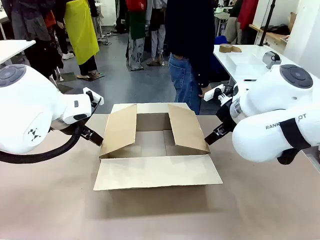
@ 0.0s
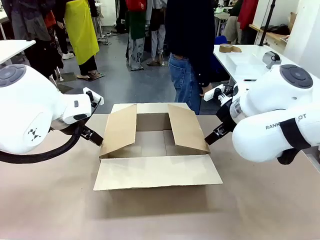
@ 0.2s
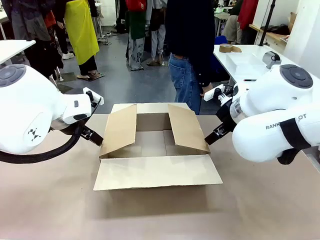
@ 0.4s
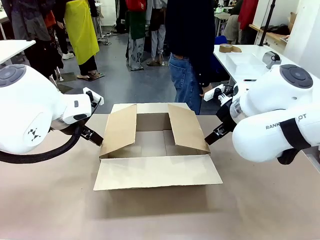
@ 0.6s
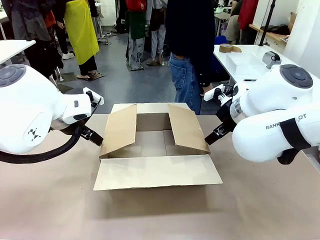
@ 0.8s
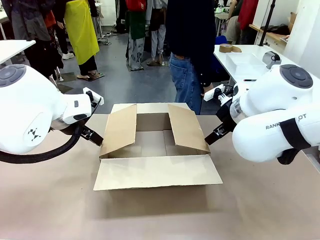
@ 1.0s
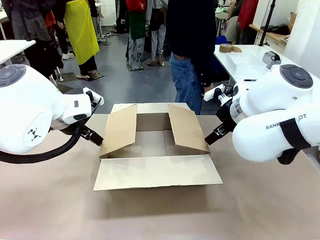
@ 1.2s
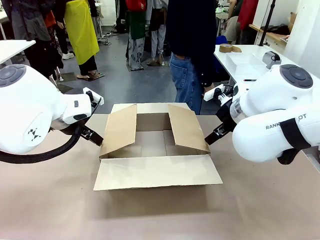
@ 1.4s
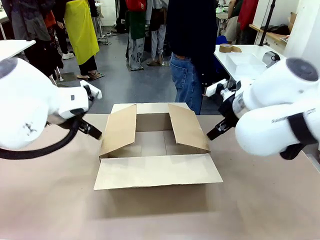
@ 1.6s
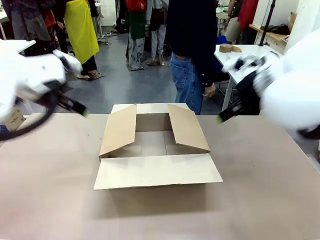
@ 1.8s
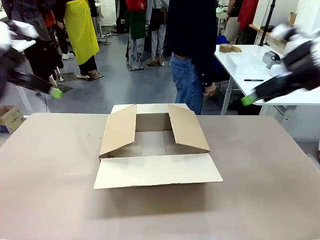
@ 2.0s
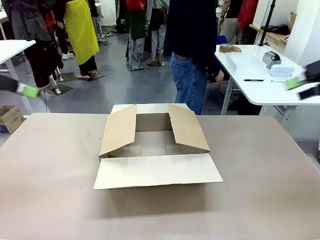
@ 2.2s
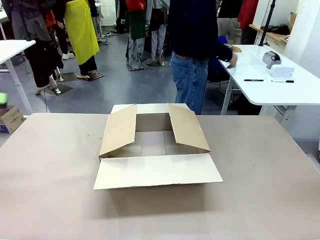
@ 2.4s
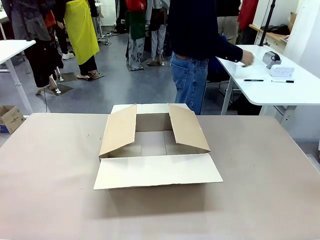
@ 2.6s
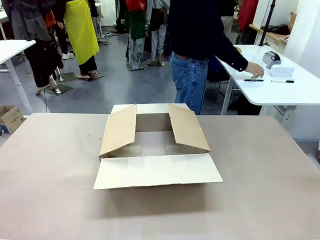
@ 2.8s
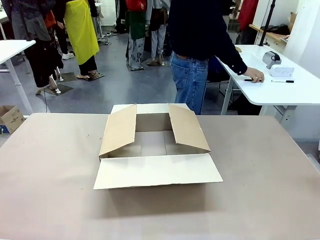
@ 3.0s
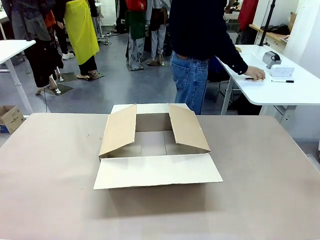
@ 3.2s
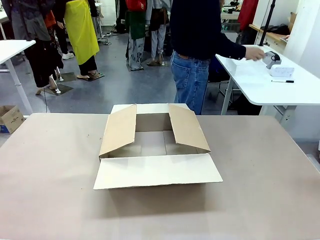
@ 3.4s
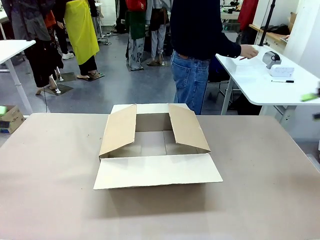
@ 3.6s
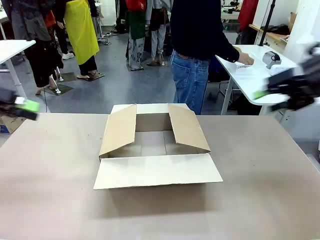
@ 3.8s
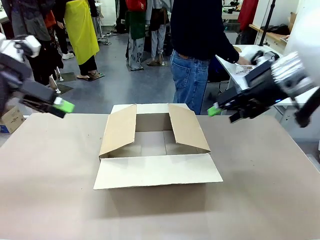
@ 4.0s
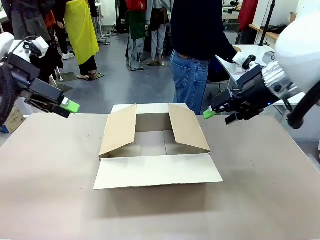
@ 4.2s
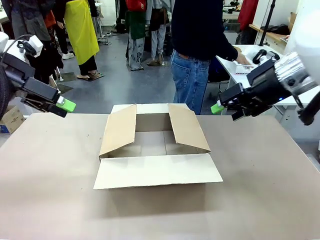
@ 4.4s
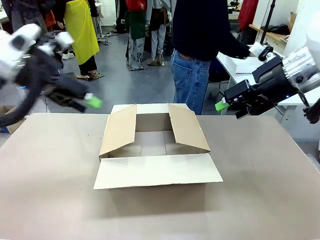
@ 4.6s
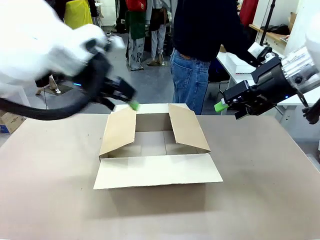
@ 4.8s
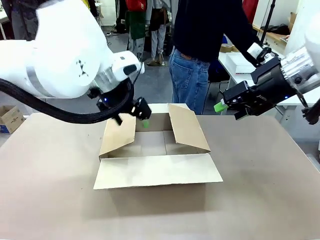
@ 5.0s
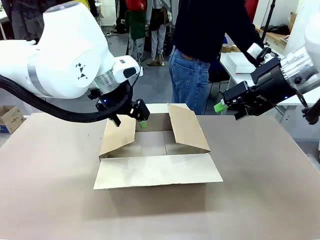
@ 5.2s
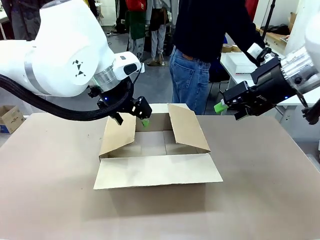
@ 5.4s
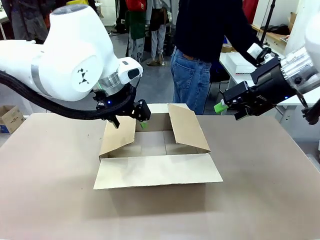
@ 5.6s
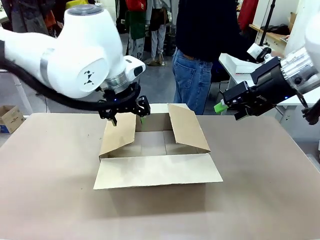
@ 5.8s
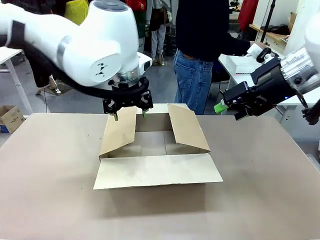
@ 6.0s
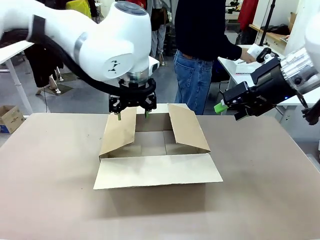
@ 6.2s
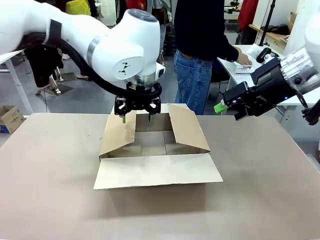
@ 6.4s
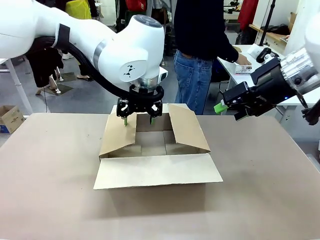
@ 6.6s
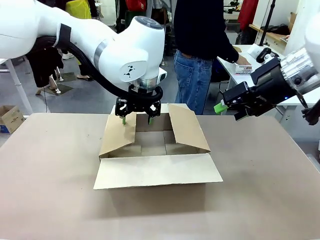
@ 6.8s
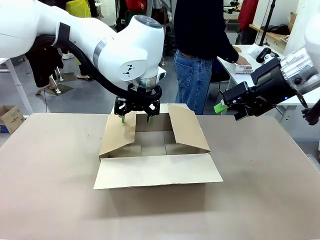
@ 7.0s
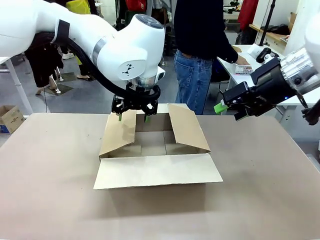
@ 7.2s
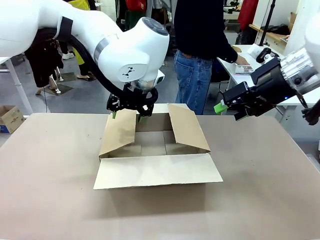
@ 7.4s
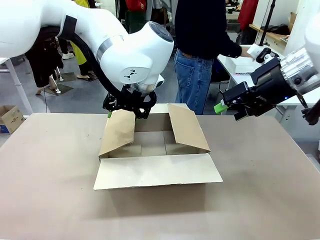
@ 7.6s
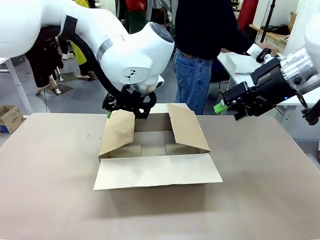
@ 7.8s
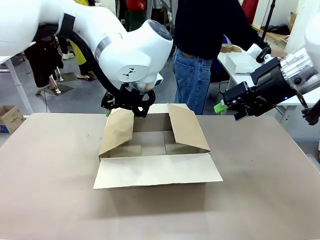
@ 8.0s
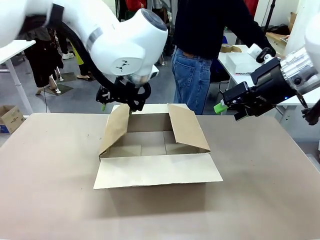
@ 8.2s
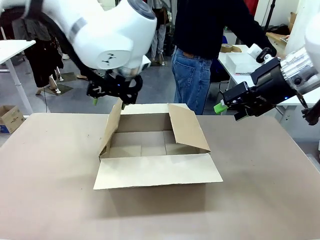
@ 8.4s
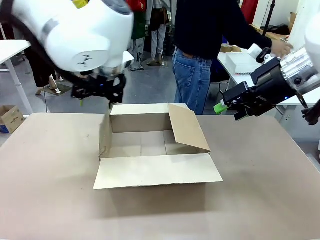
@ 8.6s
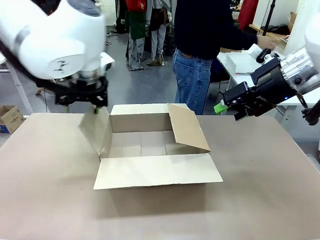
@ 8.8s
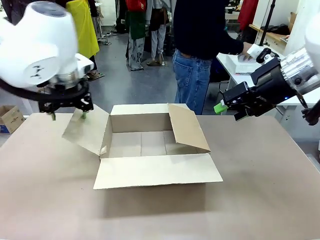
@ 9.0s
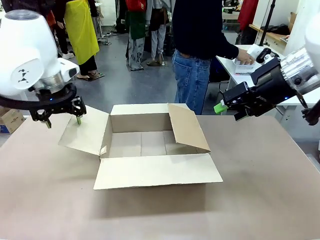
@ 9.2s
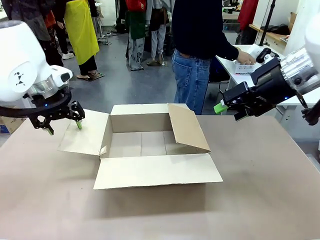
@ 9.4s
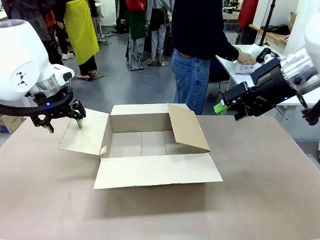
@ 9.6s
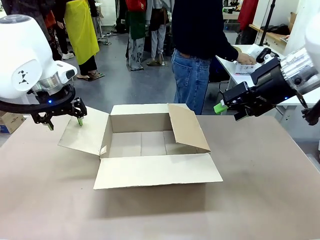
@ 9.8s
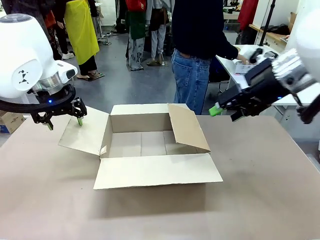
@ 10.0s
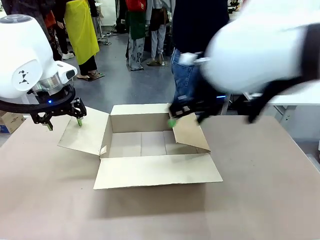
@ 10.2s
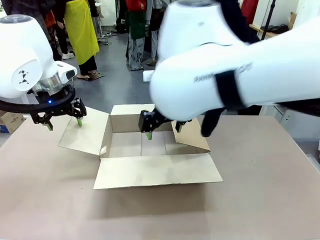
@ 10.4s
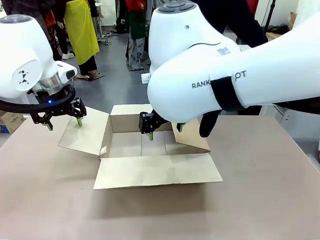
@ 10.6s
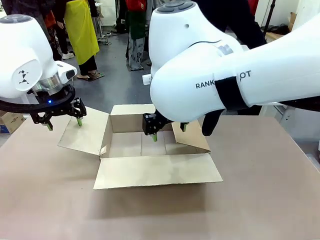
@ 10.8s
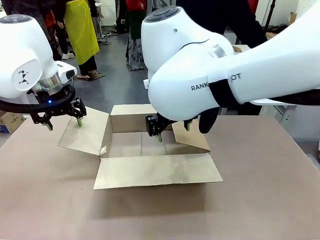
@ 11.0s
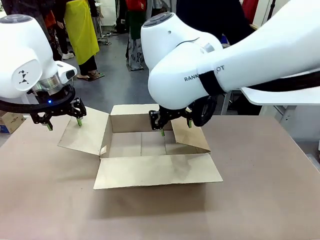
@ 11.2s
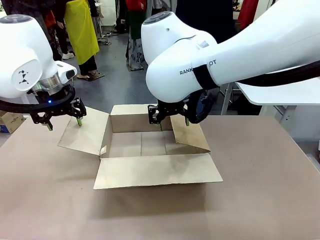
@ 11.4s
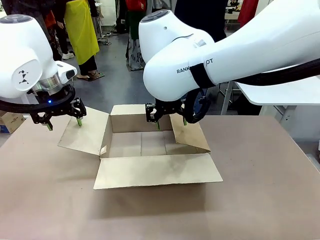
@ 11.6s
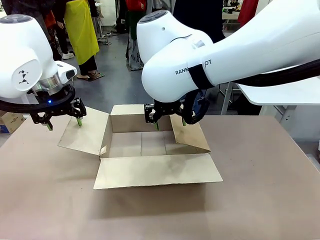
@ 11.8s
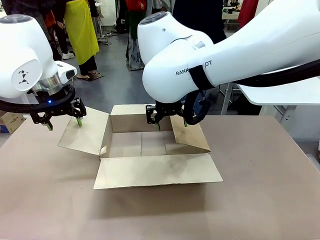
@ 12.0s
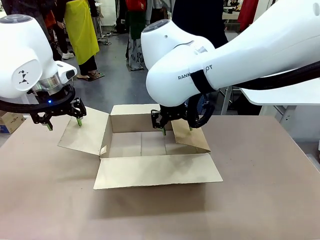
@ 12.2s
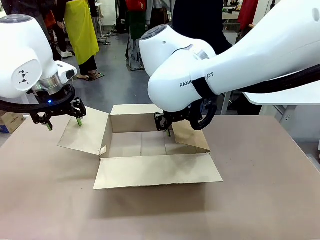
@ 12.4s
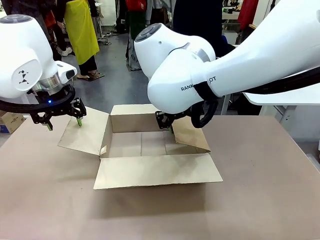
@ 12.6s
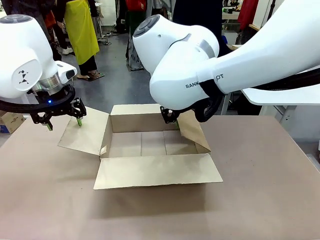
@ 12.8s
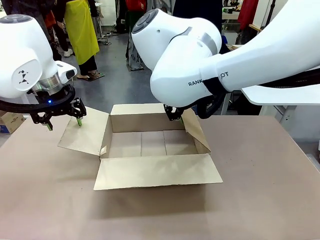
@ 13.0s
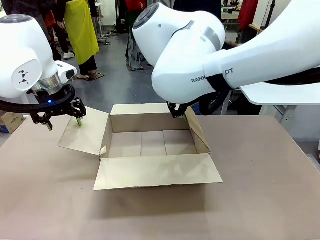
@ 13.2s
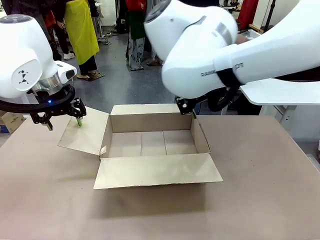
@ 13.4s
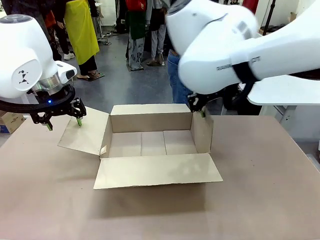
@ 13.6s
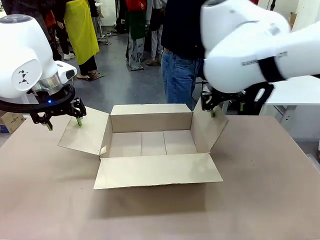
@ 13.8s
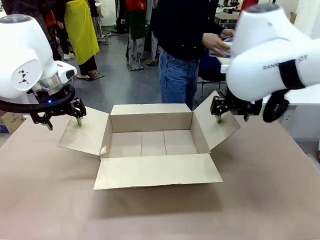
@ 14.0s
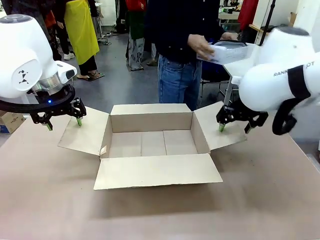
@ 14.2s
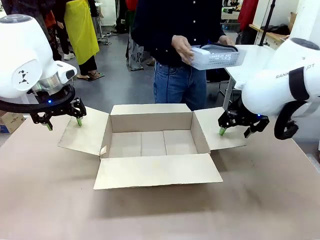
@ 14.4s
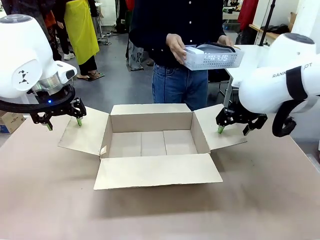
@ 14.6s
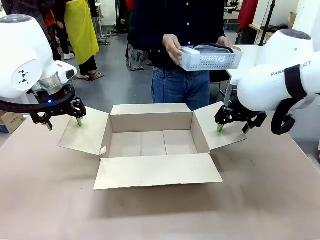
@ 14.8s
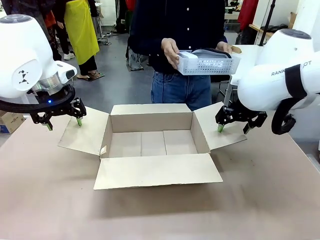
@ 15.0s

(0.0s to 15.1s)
Task: Pack the gift set into the box.
Robot: Place both hands on the side flaps of the Package Box and spread them outward.
Person: The human places all items except the paper tape into the organizing basket.

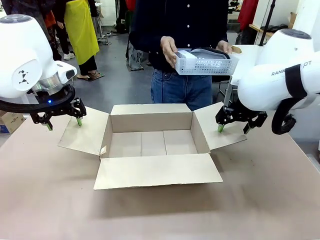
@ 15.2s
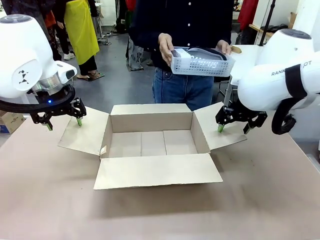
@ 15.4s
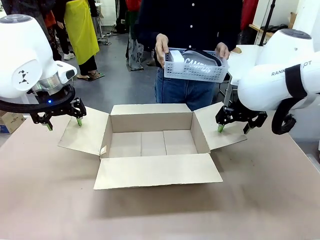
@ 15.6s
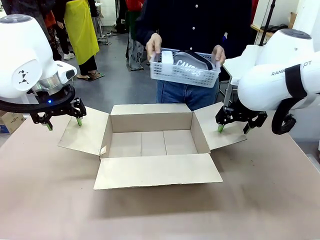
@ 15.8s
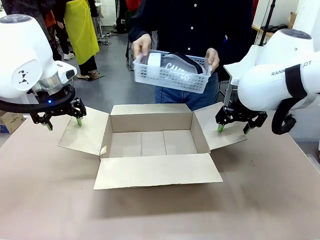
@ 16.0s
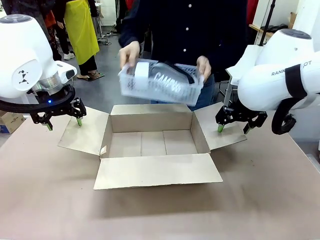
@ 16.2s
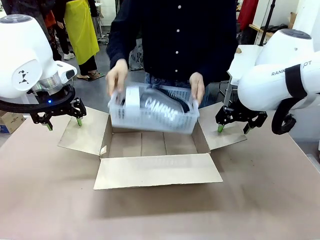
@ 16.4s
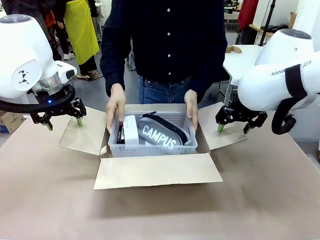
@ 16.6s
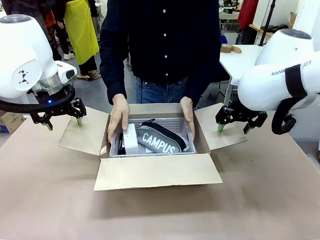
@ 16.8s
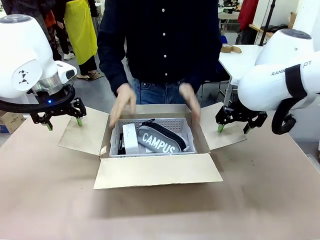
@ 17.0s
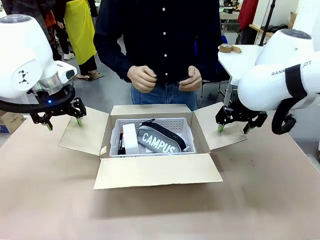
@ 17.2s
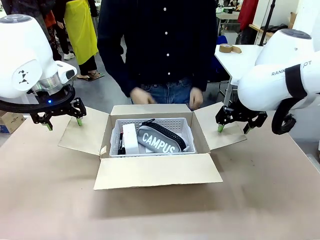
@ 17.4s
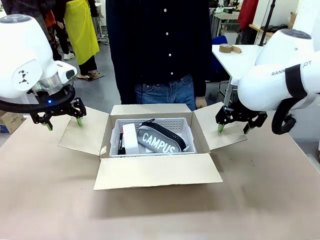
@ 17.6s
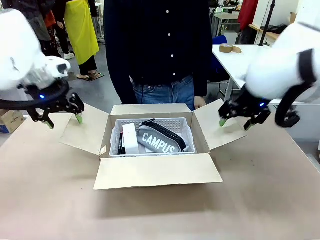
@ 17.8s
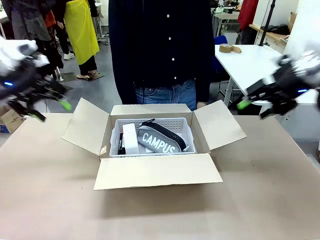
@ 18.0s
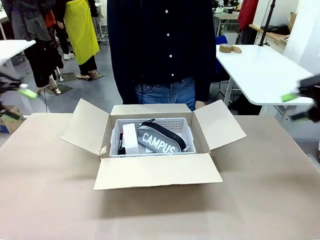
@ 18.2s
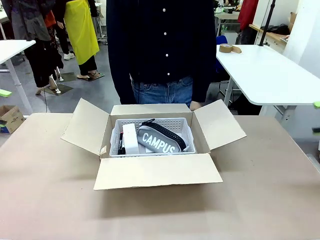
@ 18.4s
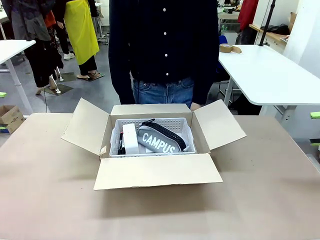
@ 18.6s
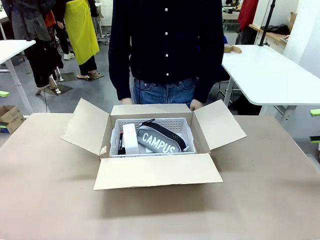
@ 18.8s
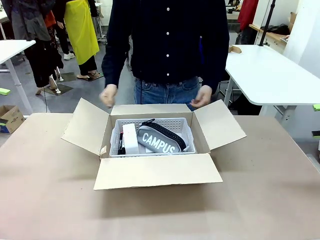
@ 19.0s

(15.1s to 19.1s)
Robot: Lift both hands away from the flaps of the Package Box.
Person: The human picks up the organizing basket and places the organizing basket into the package box on the robot table.
